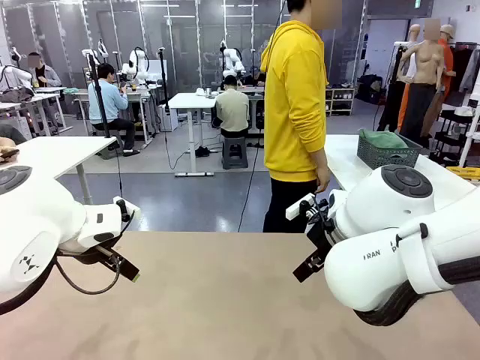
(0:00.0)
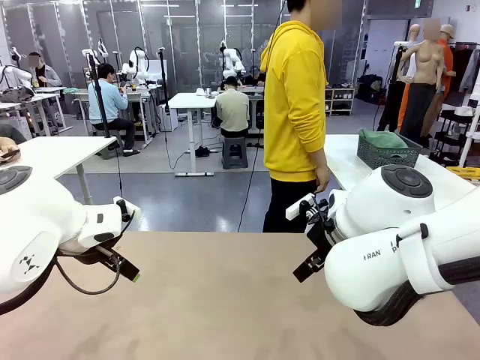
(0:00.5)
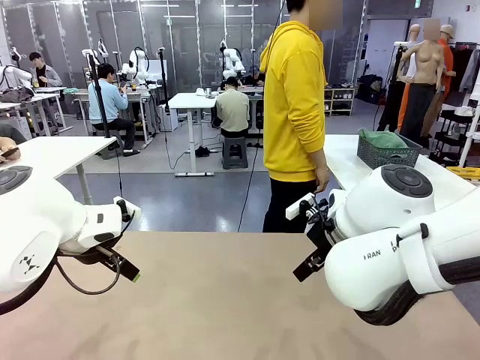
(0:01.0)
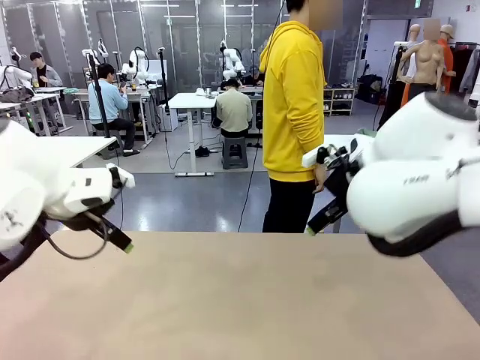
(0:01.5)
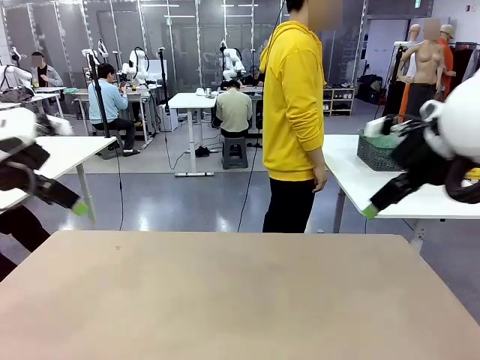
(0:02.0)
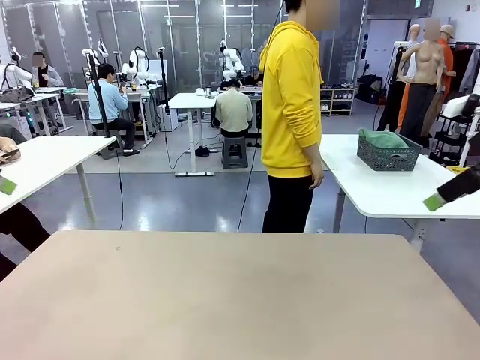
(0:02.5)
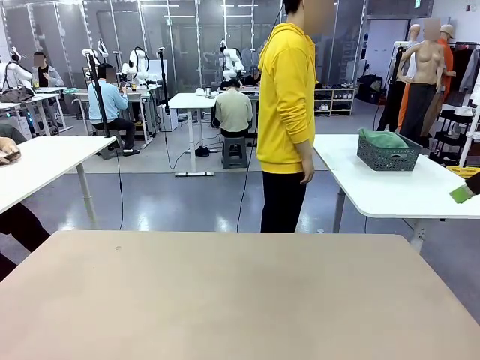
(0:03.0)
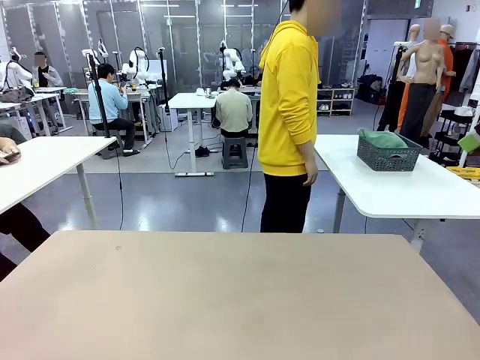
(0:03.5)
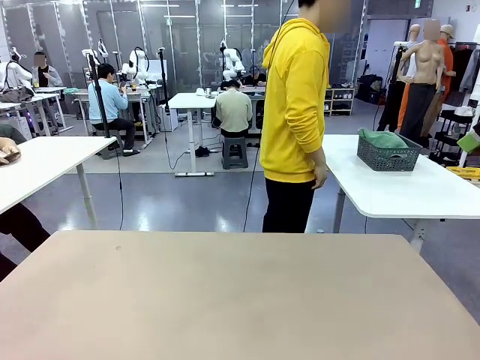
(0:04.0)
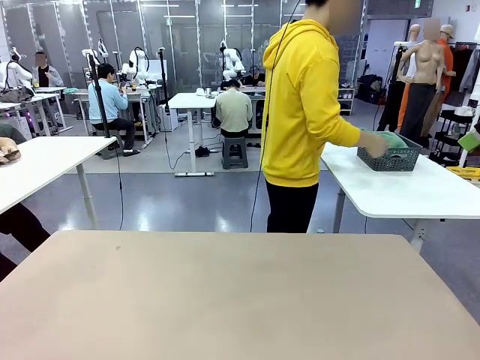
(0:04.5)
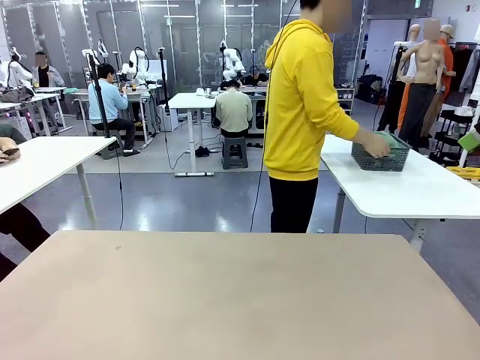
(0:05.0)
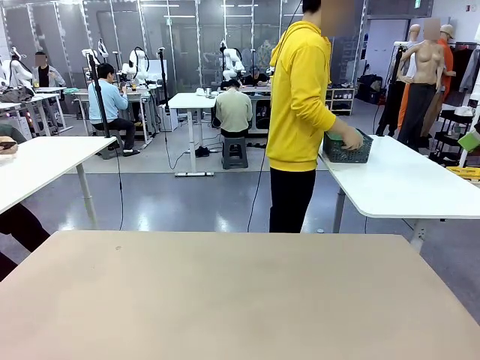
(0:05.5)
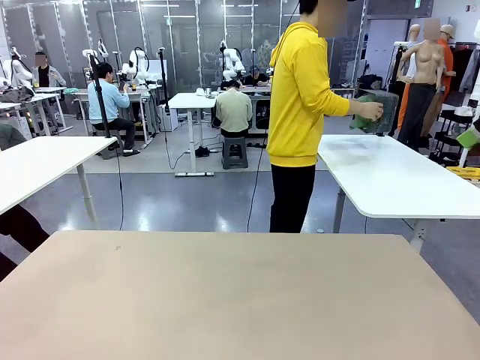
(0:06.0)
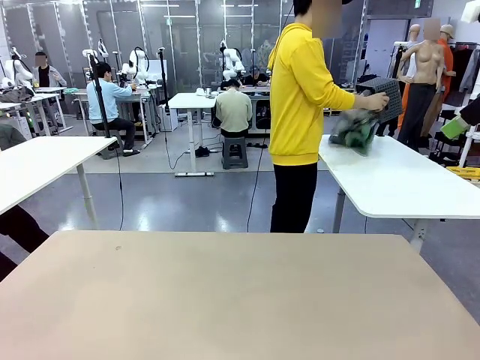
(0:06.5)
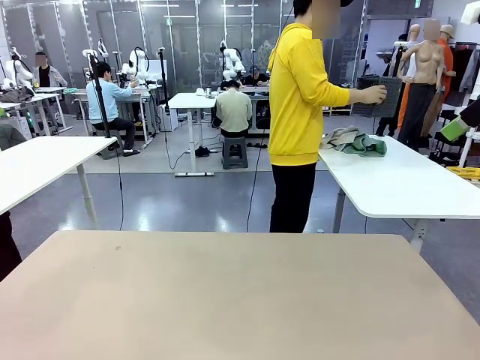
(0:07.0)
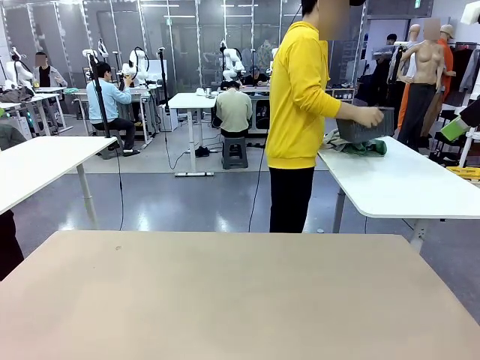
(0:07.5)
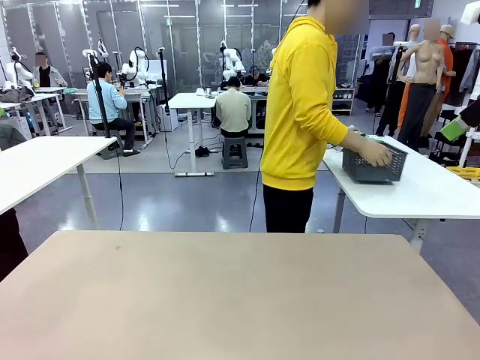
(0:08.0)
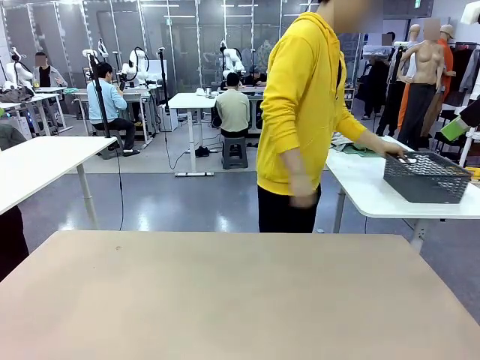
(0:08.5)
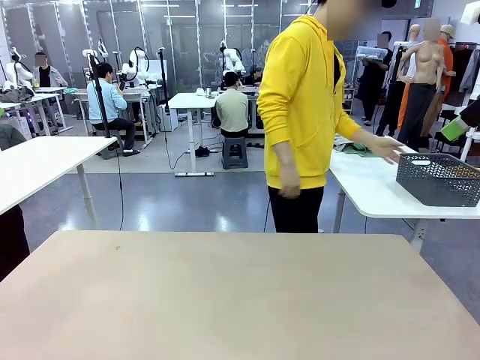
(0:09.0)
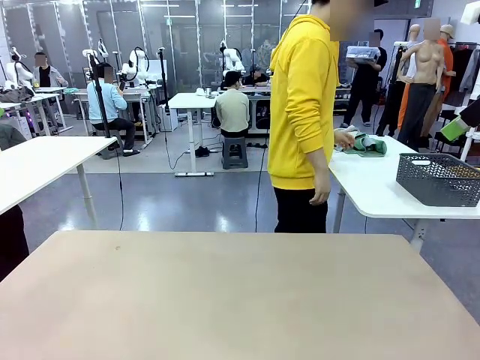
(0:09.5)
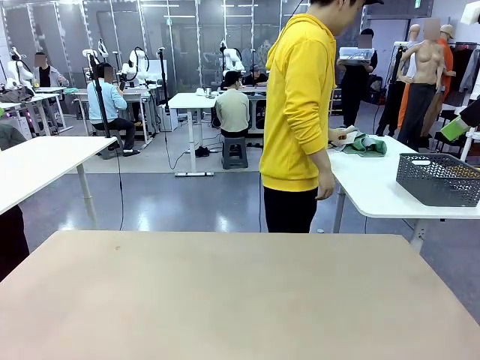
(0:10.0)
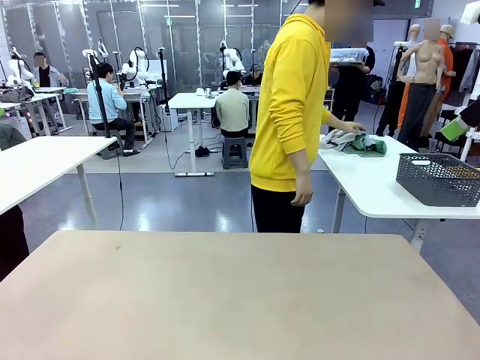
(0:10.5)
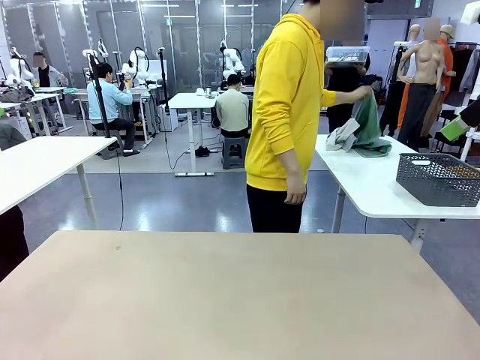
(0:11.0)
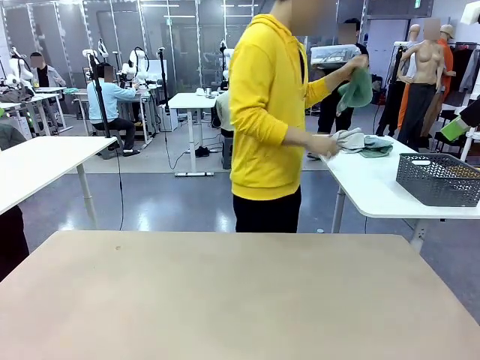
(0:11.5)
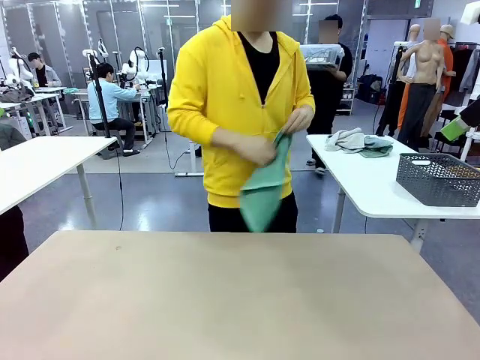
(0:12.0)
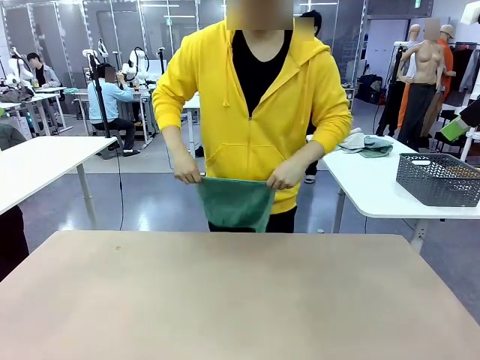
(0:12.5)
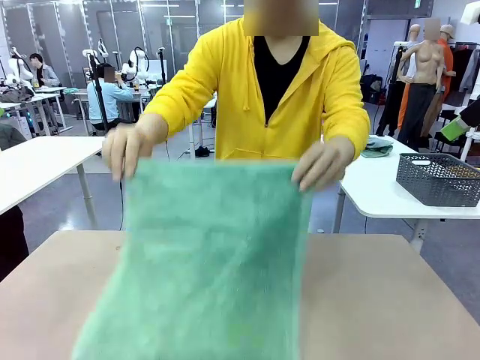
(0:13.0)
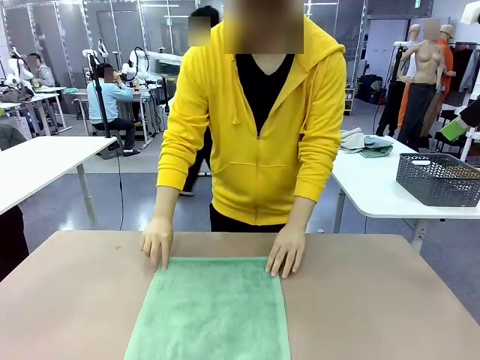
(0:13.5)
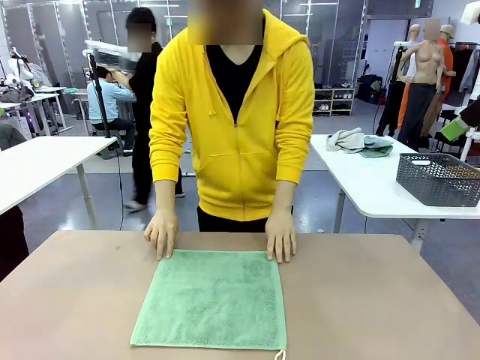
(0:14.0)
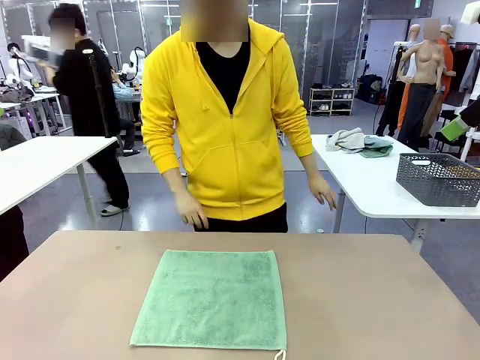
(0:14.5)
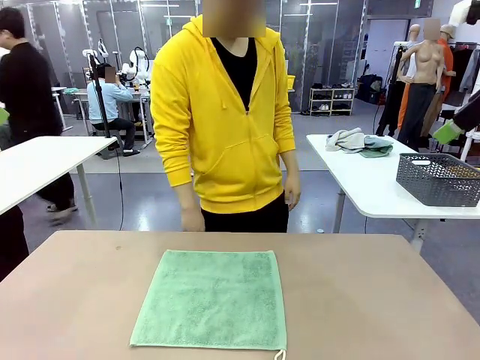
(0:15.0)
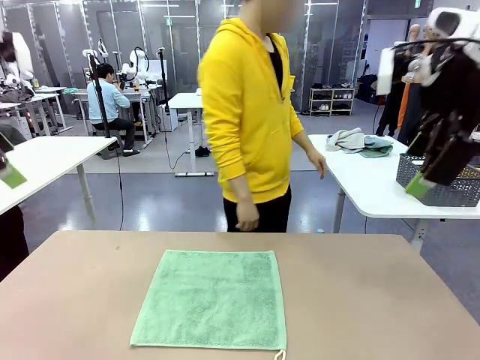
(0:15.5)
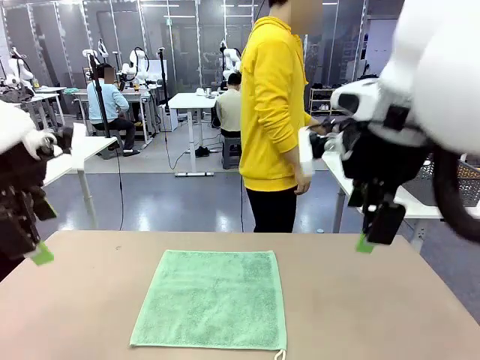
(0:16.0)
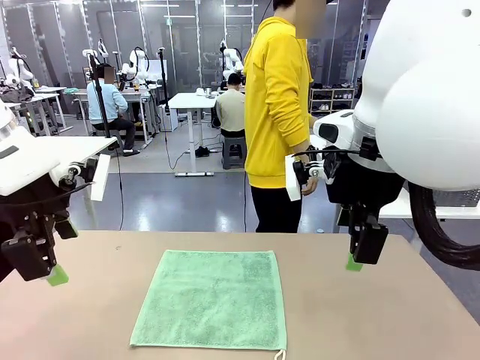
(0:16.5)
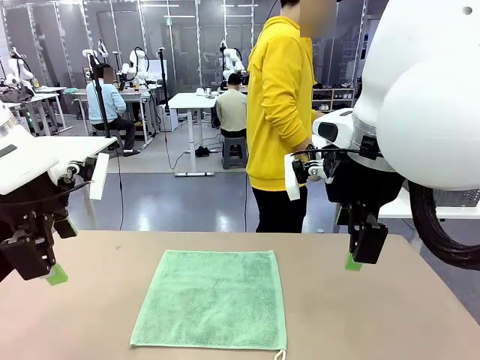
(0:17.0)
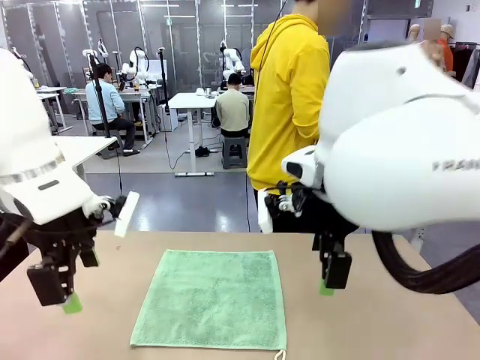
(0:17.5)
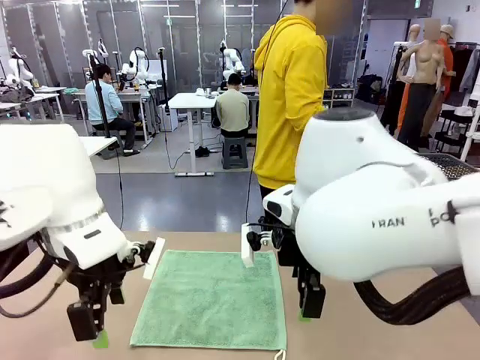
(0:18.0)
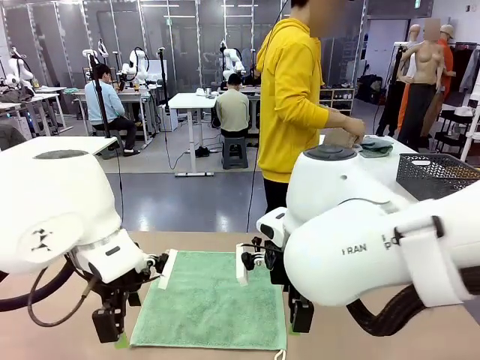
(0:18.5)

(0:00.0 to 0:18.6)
Task: Fold the towels and place them in the basket.
Robot: When a person lays out a Towel with hook on the table, fold it in half twice.
Person: Pick up the basket, pour the towels onto the left side of the human table, and place the basket on the right side. Pick up one towel and spread it out at the center of the robot table.
